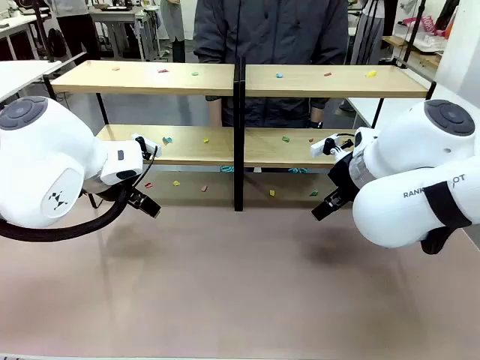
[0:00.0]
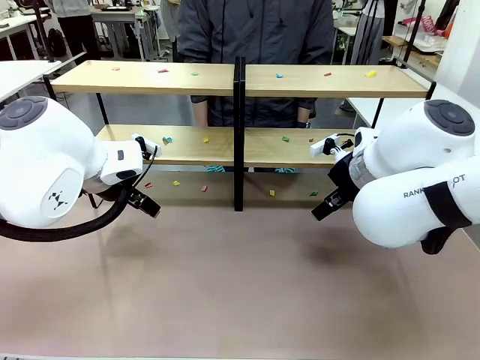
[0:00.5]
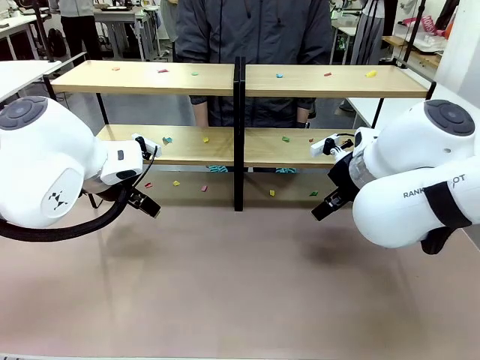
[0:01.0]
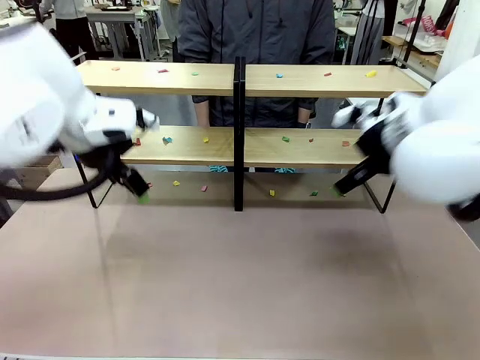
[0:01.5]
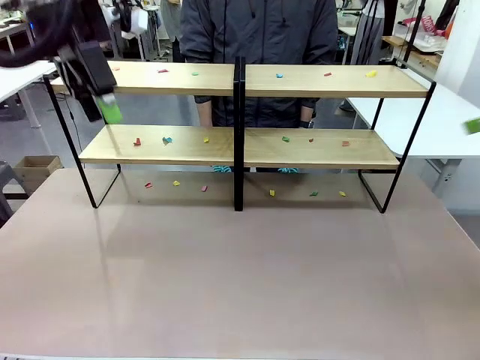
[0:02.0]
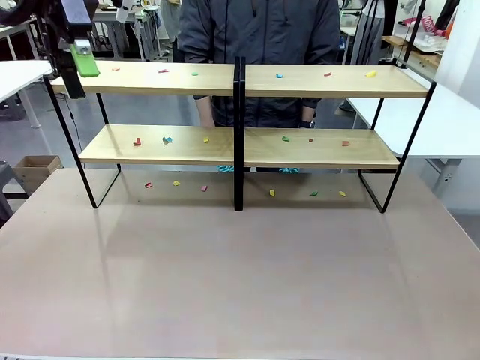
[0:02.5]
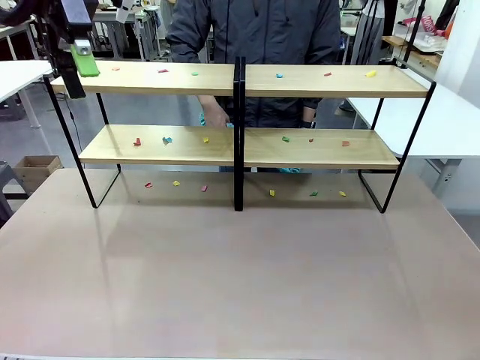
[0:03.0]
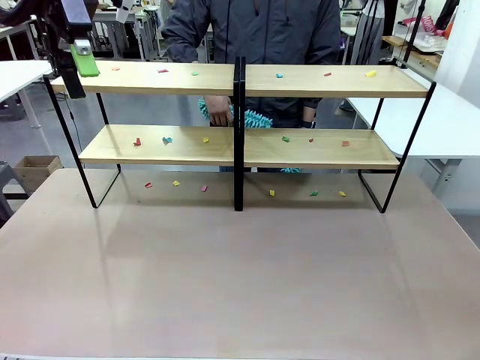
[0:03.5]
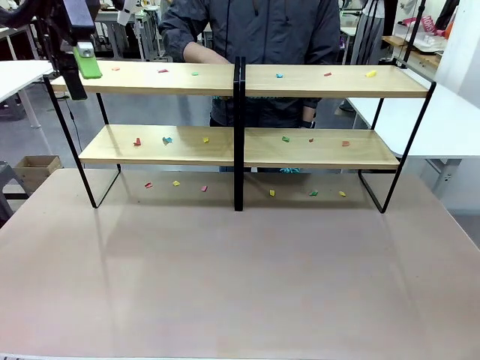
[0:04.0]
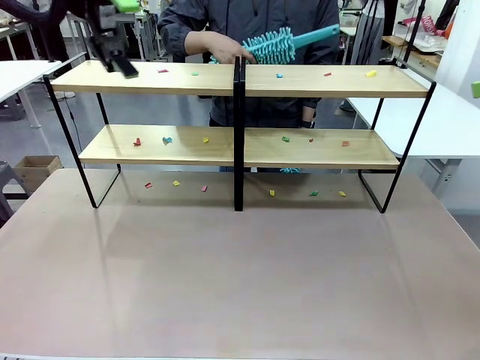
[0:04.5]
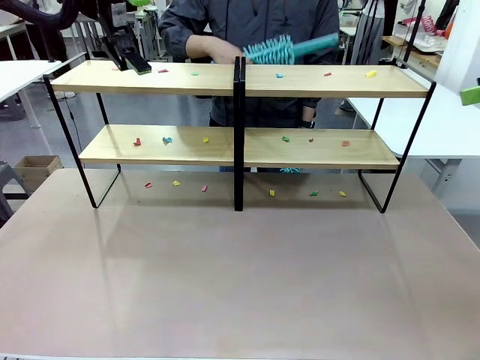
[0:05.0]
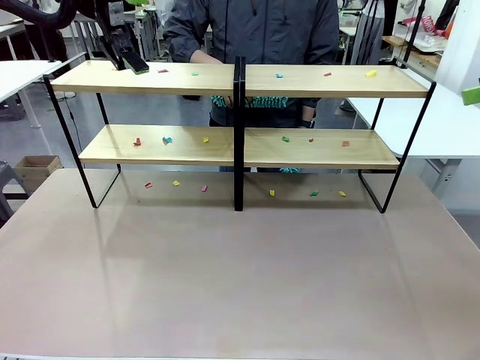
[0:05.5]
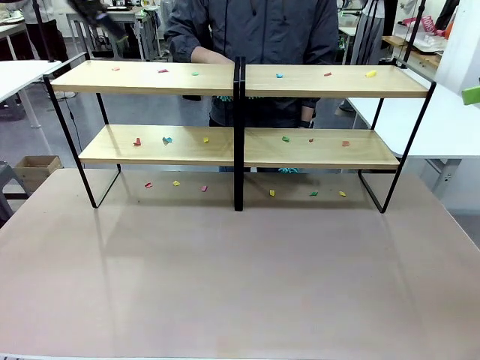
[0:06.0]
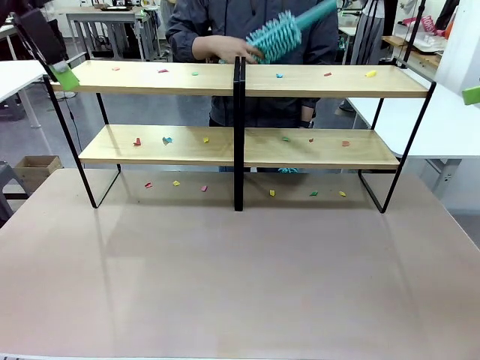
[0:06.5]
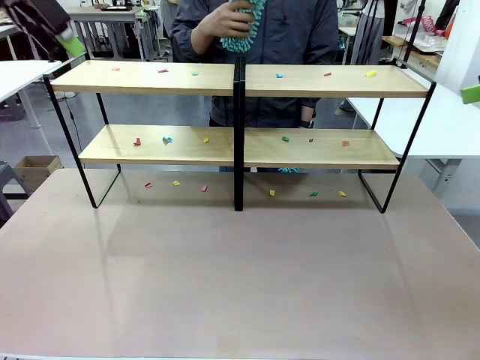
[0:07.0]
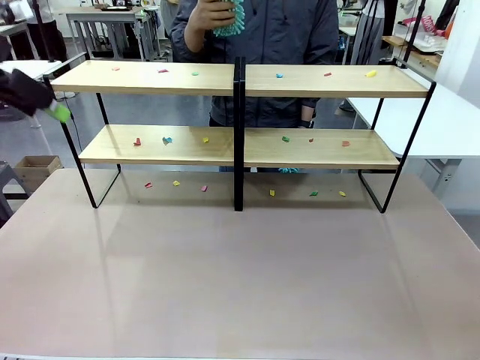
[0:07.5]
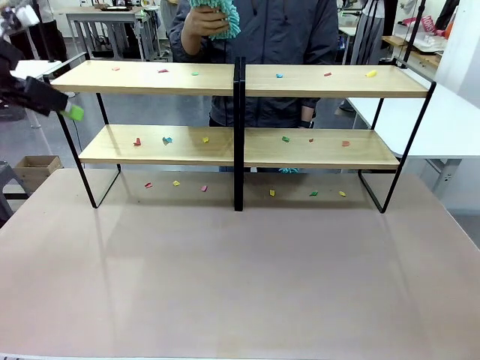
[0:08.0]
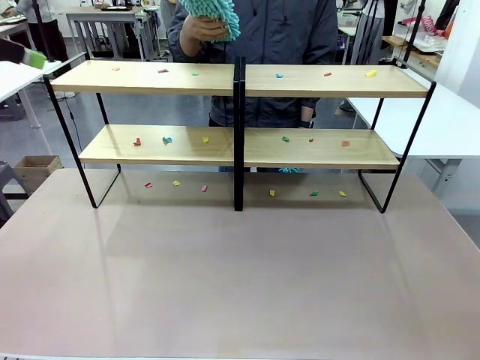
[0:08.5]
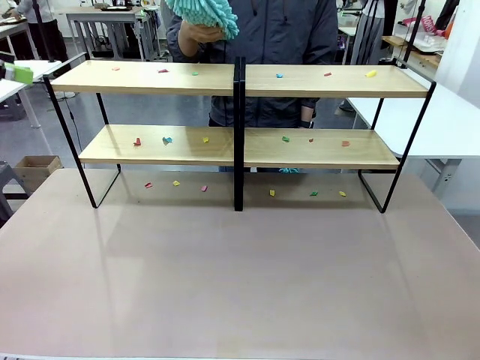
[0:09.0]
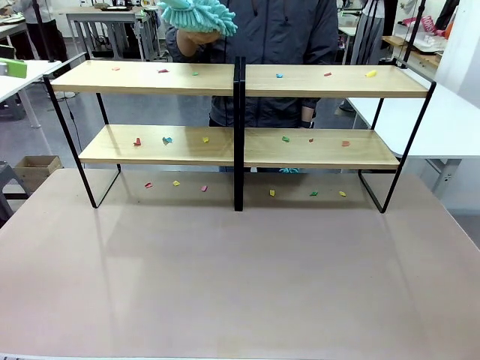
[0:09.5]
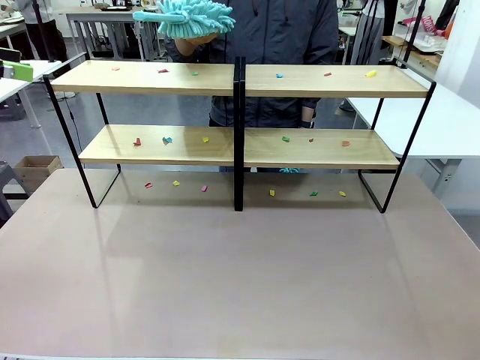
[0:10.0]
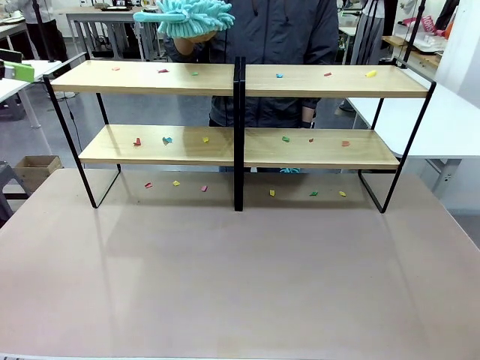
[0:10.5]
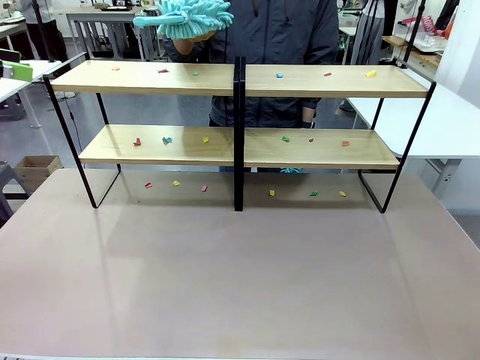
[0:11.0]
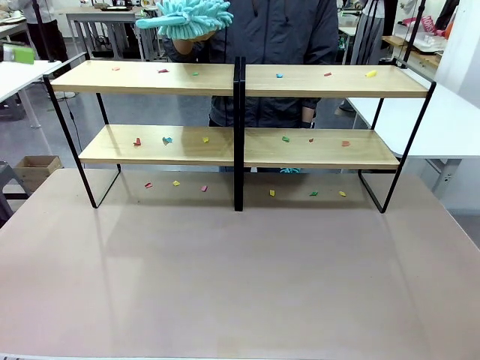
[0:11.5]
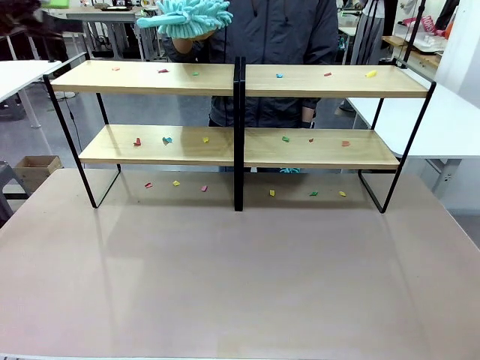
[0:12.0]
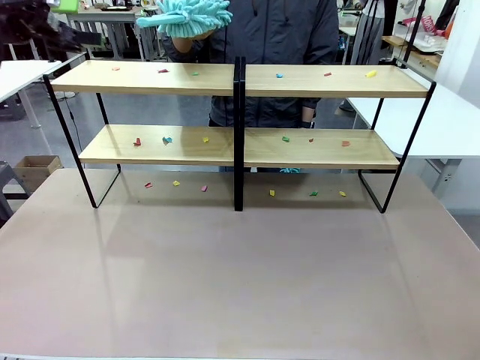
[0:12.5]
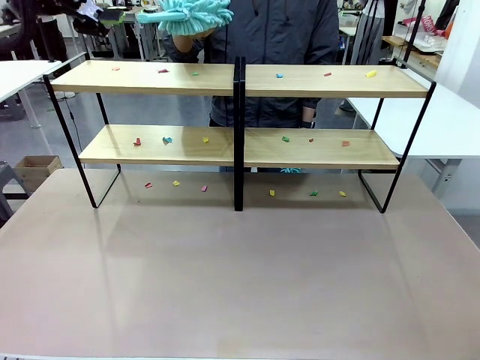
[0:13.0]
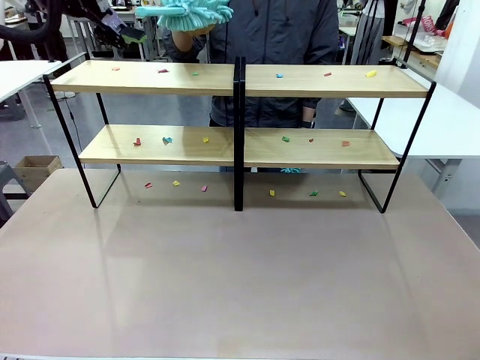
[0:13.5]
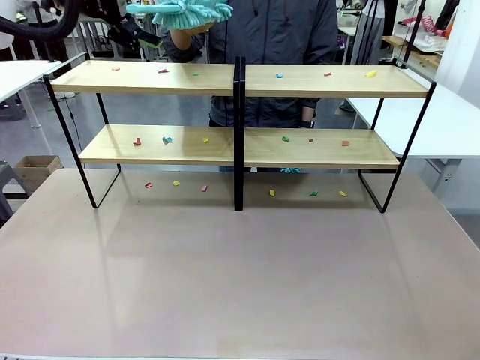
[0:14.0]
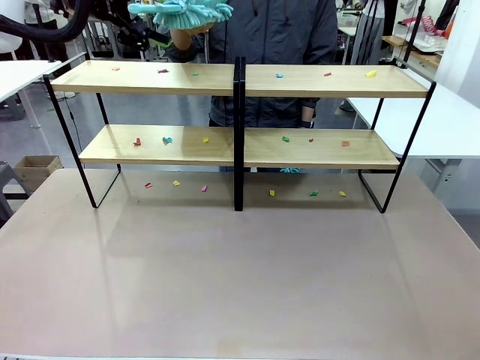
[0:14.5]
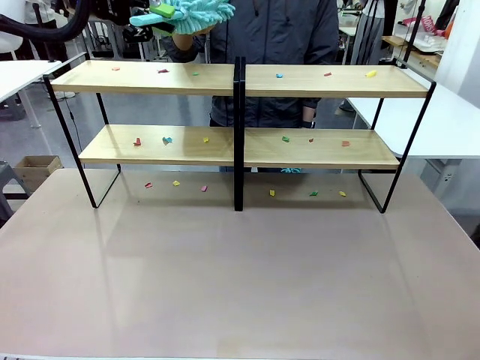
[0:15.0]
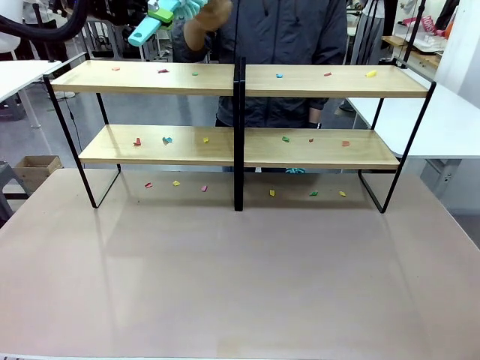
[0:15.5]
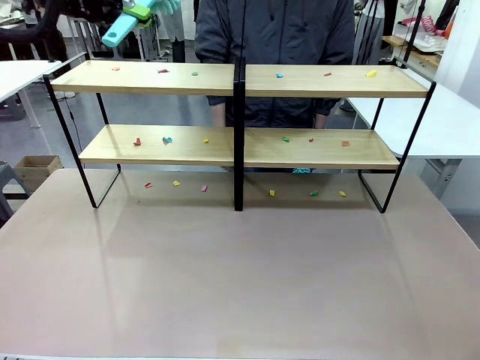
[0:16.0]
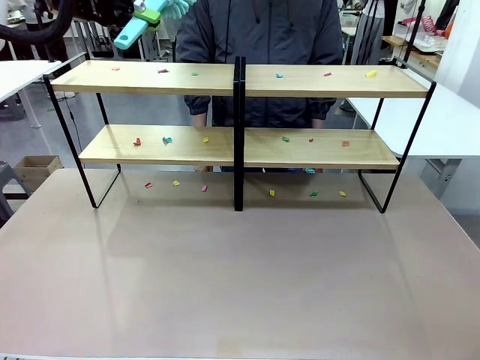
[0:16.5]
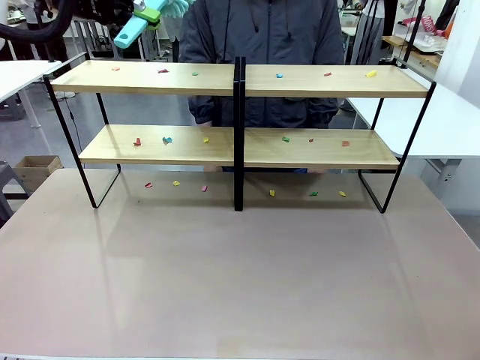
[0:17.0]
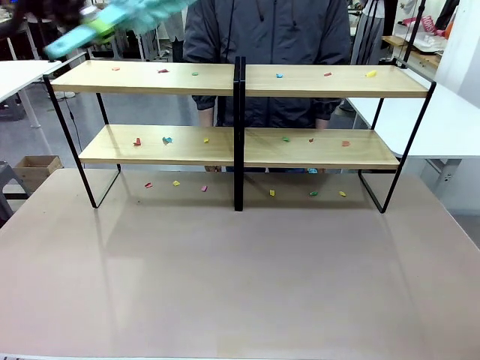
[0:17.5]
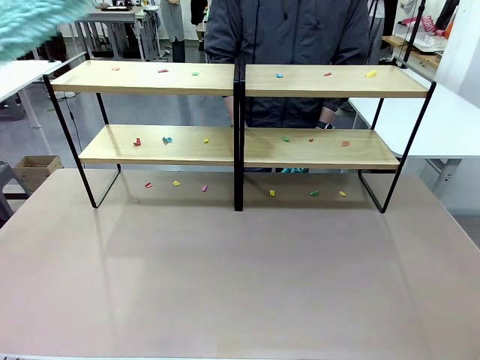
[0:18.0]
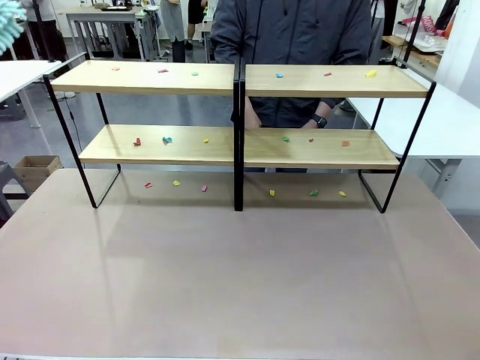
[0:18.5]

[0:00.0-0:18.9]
Task: Clean the shelves.
Robot: Pick up the Duster when the human hands it over.
Person: Hand the Duster to the robot with your right (or left) hand.
